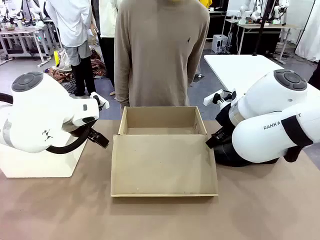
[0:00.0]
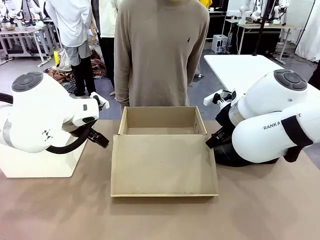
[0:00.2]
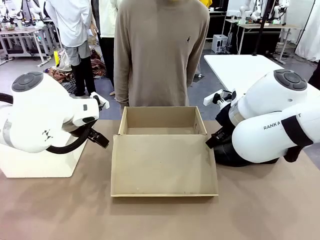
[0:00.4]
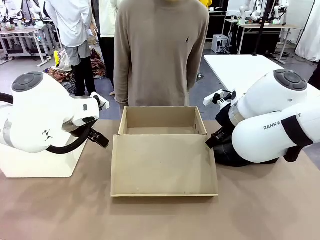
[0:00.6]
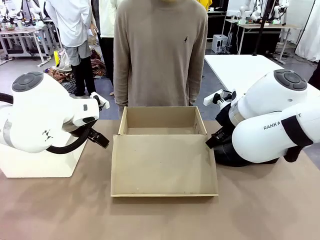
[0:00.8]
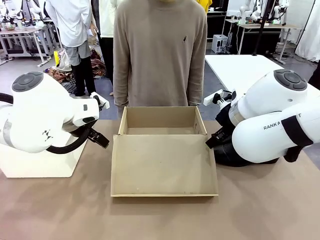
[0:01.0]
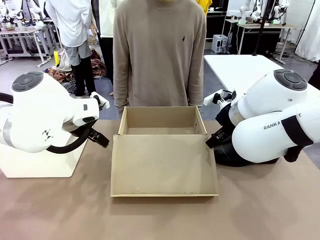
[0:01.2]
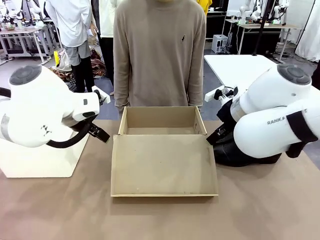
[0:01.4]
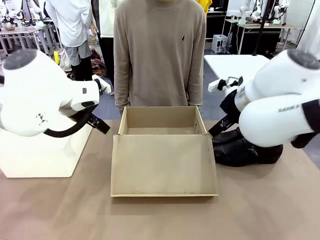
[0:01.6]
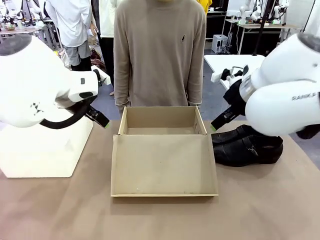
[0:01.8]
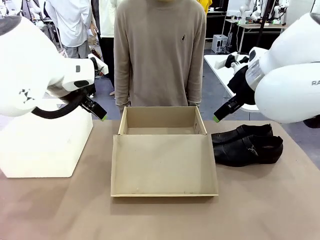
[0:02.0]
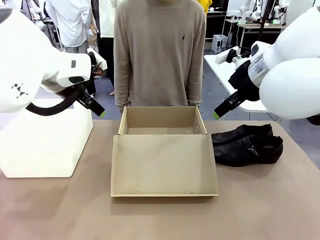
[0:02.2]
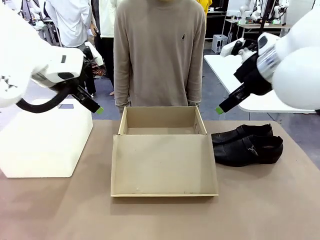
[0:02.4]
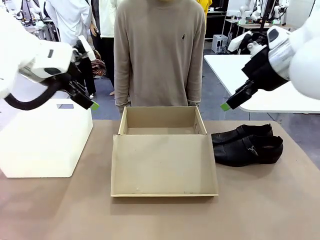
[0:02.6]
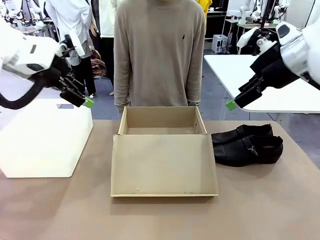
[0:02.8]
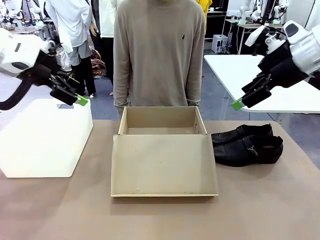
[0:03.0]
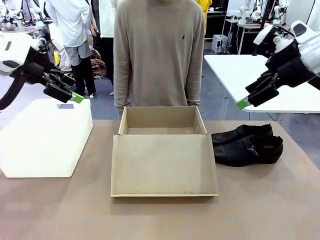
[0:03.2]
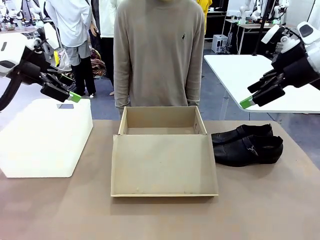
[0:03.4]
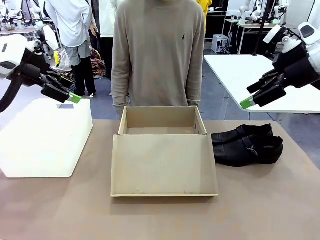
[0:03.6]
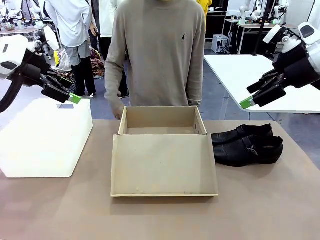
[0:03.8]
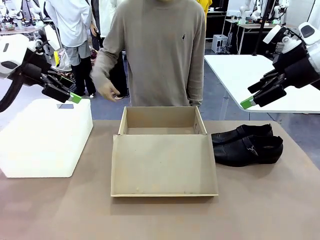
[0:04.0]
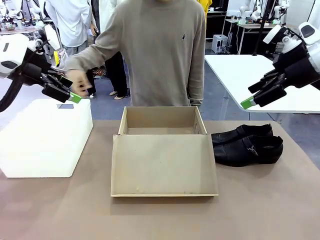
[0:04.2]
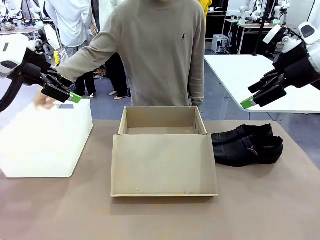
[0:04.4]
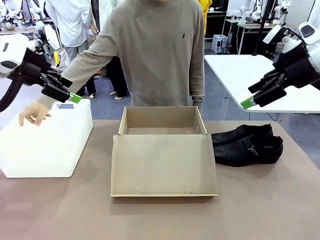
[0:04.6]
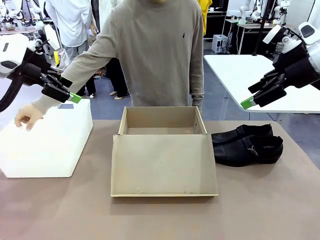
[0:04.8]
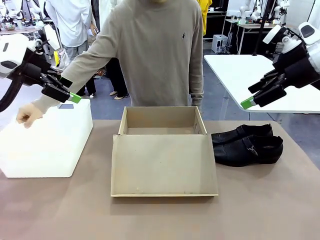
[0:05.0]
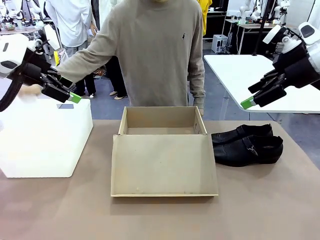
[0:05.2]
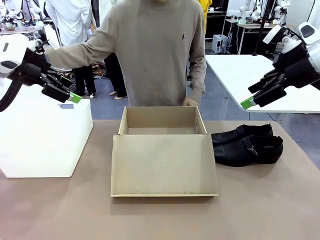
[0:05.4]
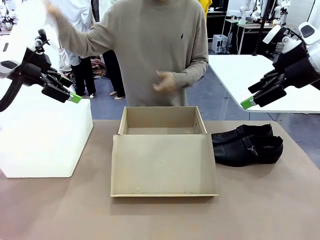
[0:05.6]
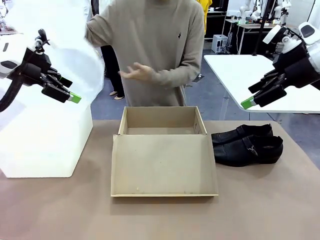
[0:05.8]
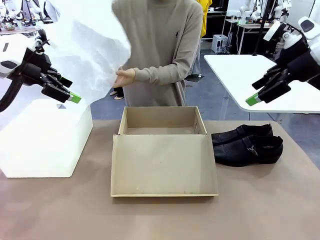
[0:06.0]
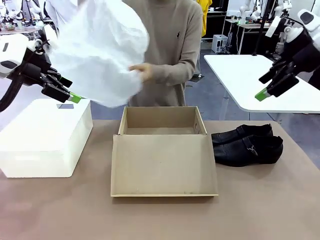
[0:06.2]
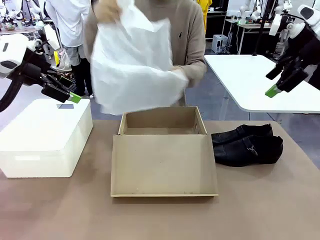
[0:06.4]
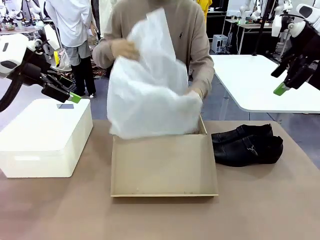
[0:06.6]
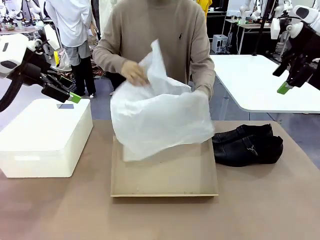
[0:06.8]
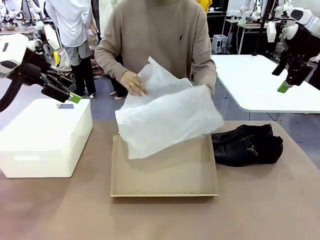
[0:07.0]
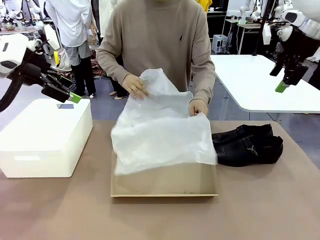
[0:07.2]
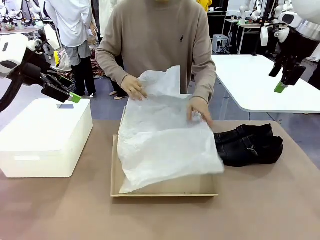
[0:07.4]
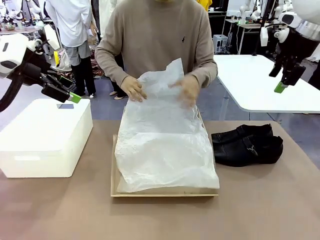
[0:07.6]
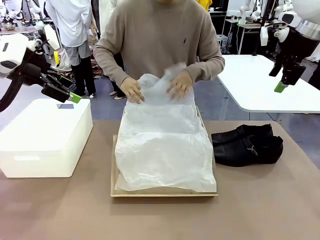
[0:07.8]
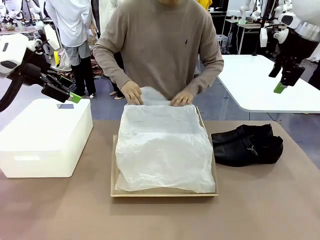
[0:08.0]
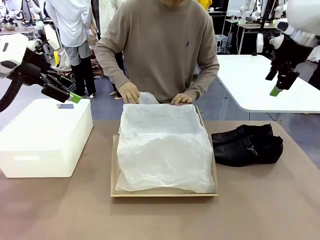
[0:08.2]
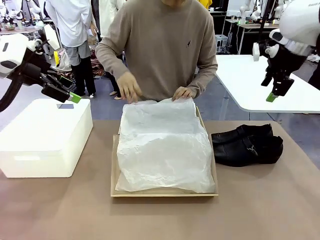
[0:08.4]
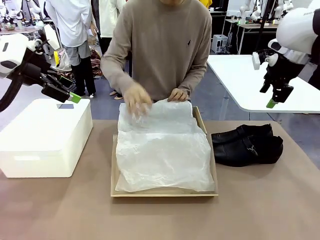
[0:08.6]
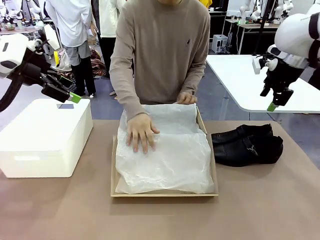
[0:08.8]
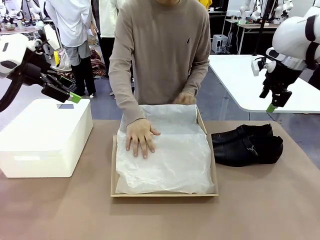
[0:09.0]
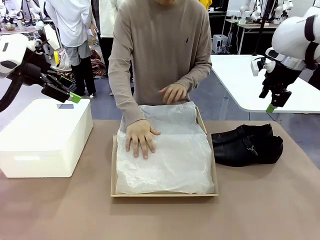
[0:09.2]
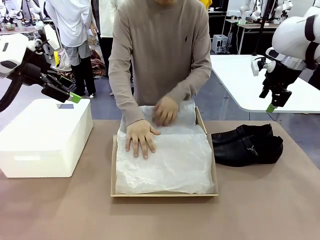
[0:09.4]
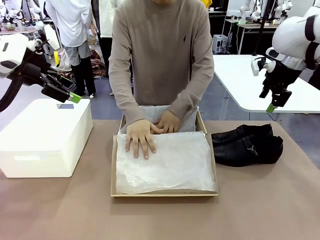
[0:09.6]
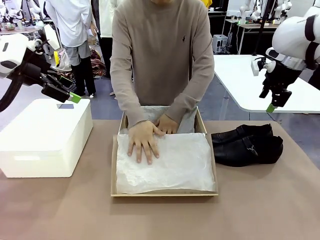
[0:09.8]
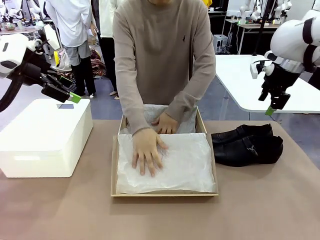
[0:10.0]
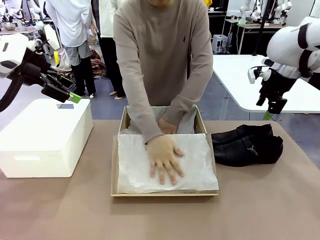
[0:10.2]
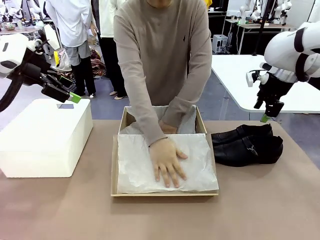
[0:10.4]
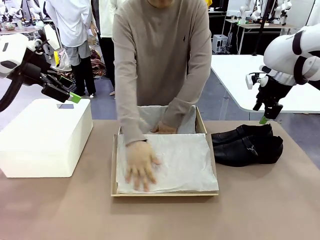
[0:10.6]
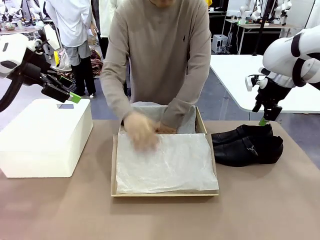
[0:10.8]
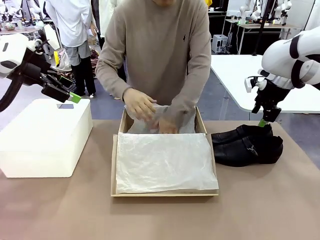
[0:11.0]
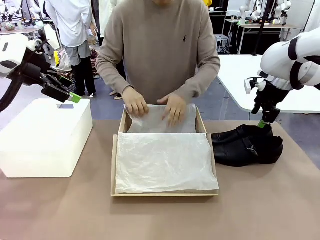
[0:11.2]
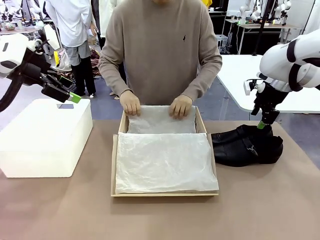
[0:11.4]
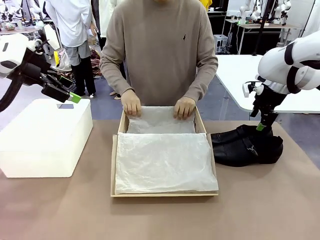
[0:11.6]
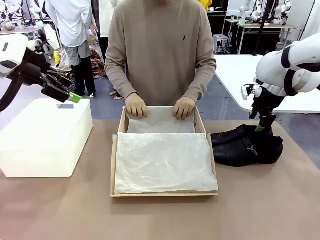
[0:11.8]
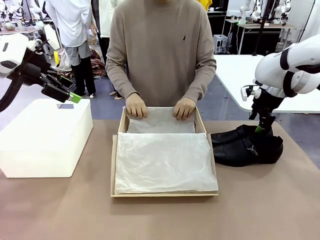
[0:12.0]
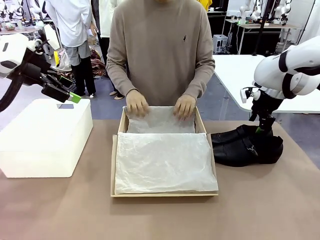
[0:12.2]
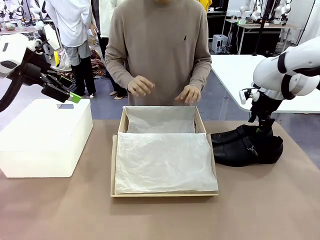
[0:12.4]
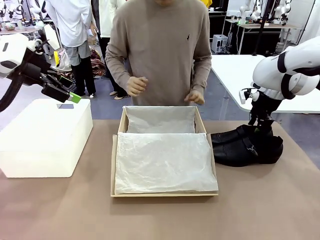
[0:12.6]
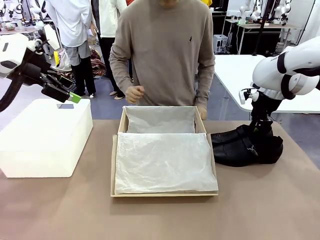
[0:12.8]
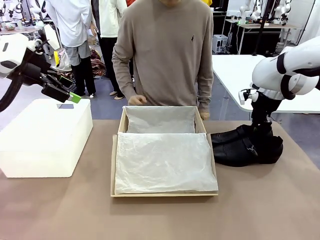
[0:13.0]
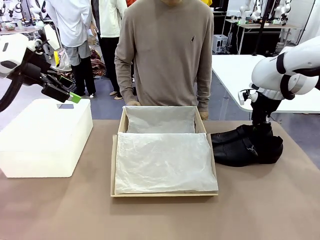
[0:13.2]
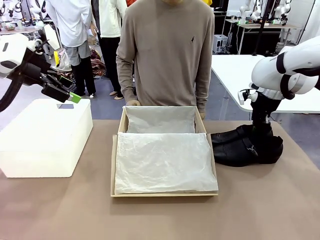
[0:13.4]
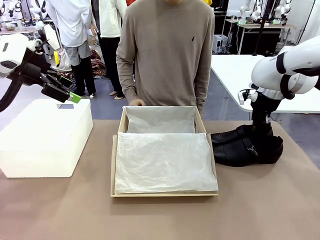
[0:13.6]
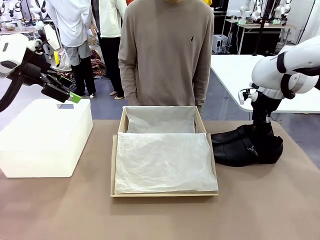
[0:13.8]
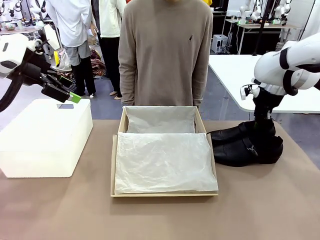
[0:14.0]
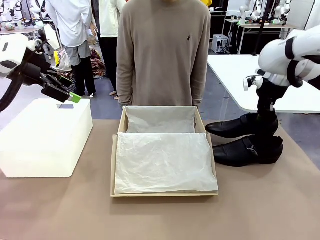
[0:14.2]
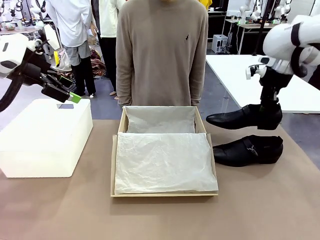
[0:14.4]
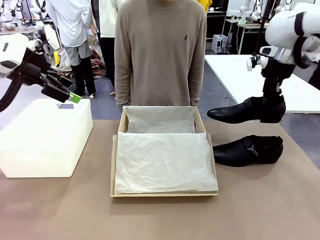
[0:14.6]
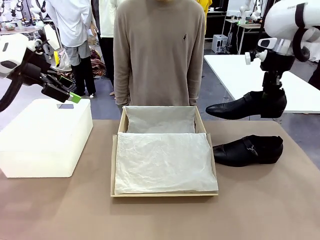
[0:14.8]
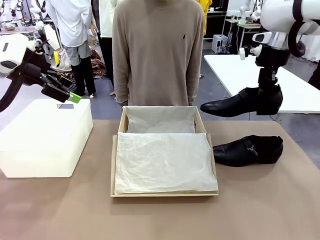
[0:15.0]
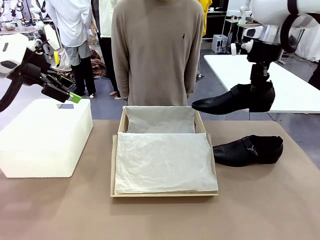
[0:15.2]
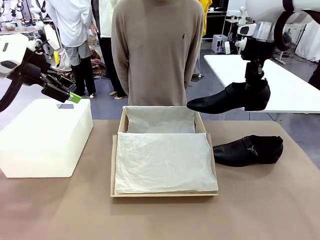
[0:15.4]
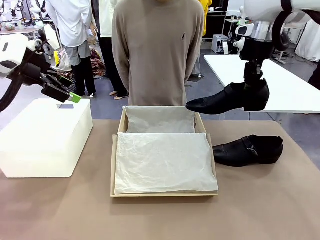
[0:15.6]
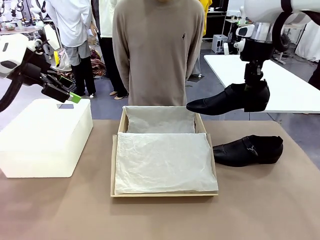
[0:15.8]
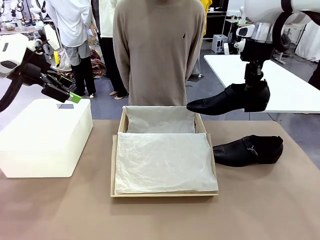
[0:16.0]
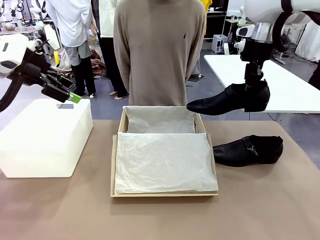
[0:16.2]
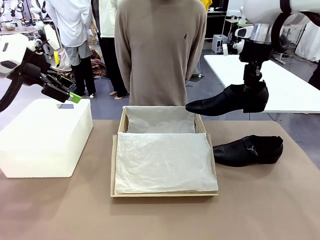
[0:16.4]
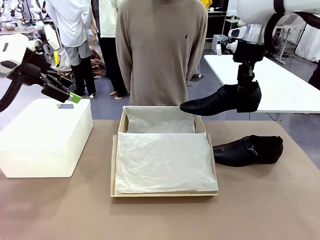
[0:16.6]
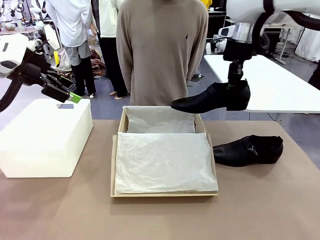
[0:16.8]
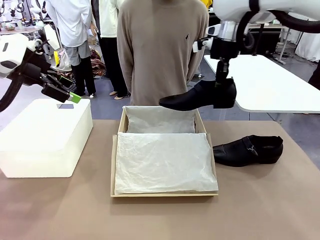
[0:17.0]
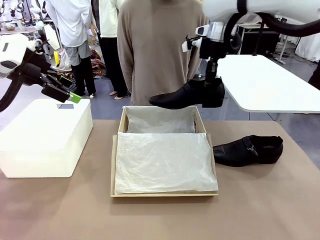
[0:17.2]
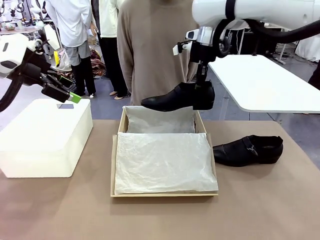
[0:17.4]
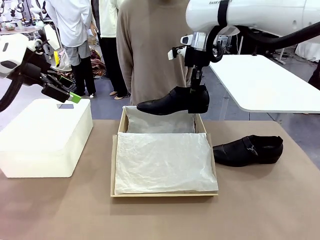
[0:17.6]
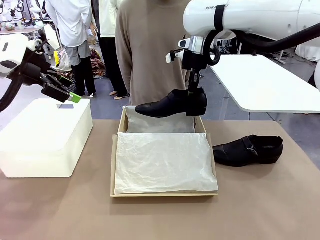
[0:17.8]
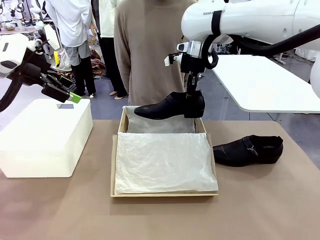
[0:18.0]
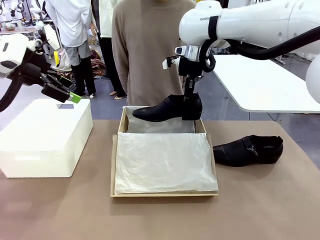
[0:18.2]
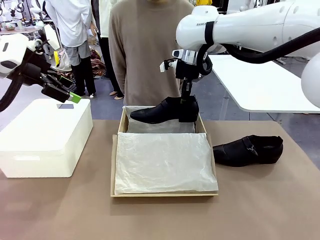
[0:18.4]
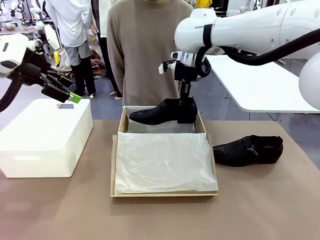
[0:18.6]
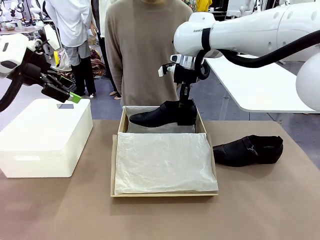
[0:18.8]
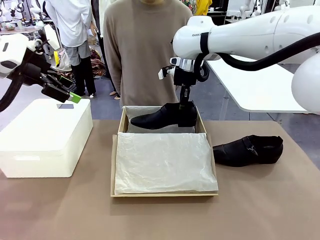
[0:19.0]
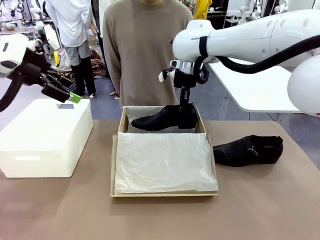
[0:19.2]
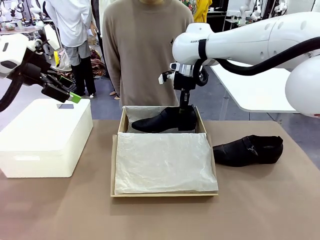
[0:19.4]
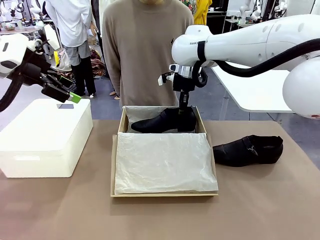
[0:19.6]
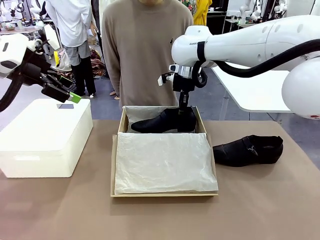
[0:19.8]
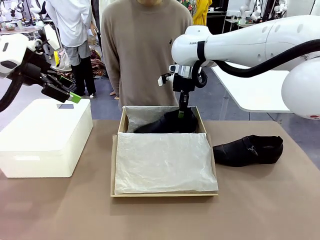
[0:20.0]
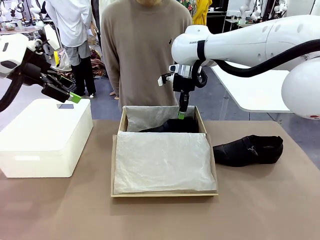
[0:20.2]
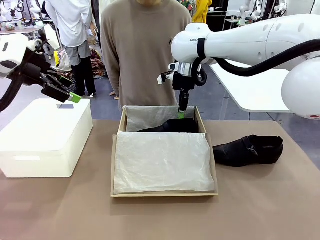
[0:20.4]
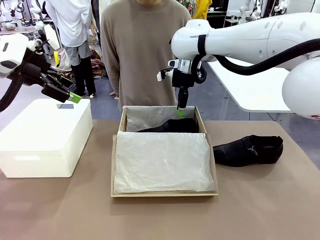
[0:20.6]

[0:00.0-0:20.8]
Task: Pack the shoes into the box.
Robot: Place one shoe of the Shoes into the Shoes Box.
Person: Spread Shoes Wrapping Paper and place inside the Shoes Box.
